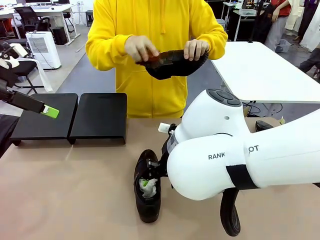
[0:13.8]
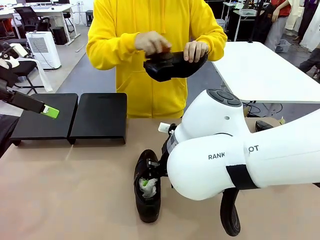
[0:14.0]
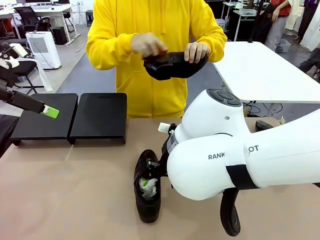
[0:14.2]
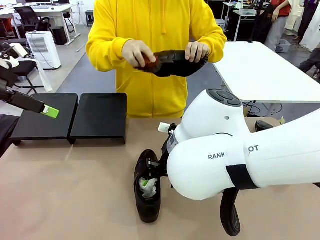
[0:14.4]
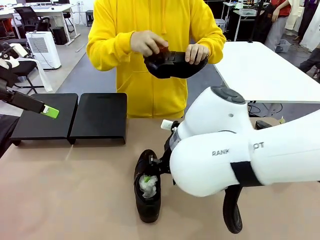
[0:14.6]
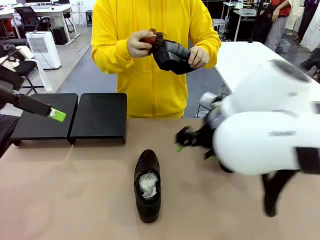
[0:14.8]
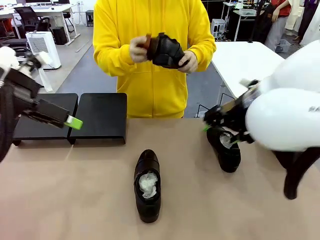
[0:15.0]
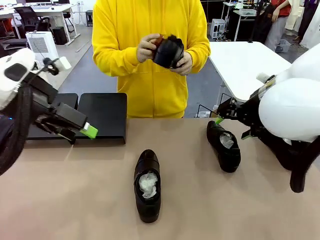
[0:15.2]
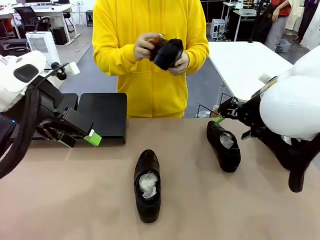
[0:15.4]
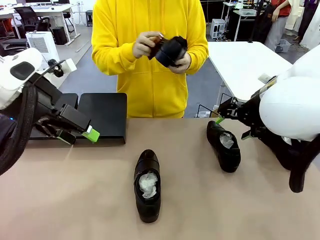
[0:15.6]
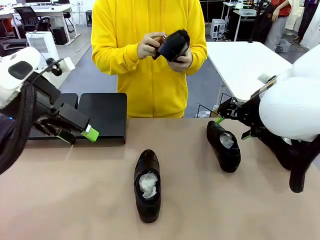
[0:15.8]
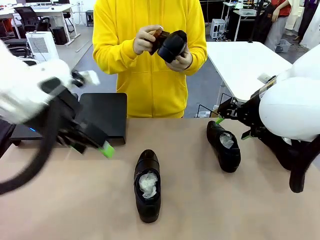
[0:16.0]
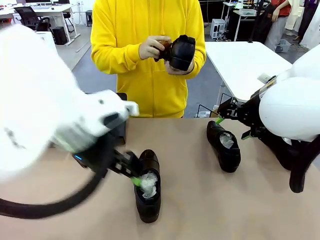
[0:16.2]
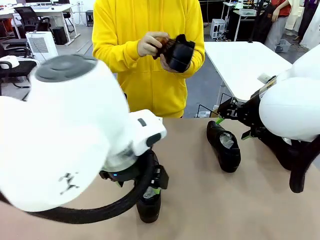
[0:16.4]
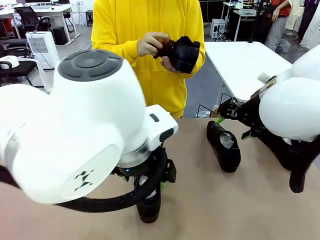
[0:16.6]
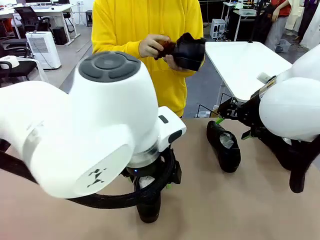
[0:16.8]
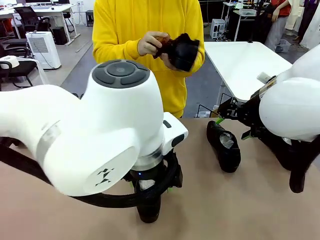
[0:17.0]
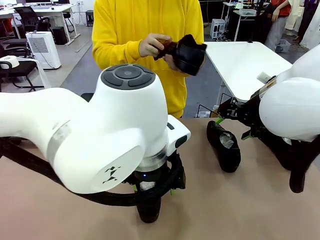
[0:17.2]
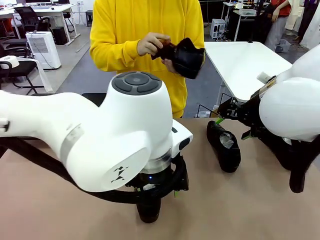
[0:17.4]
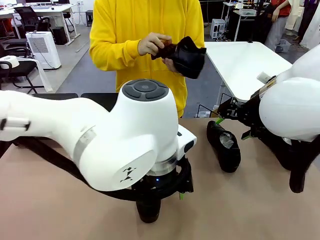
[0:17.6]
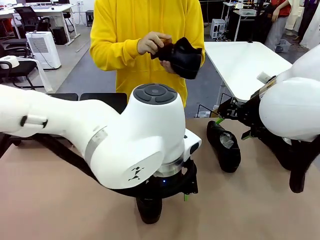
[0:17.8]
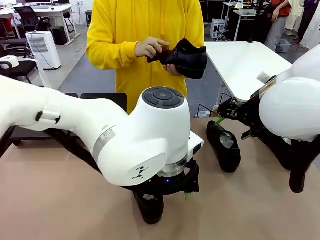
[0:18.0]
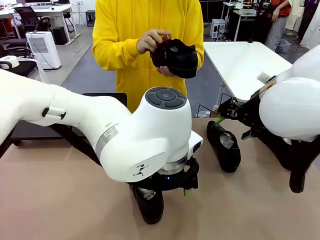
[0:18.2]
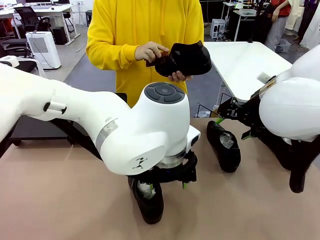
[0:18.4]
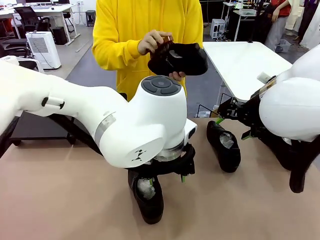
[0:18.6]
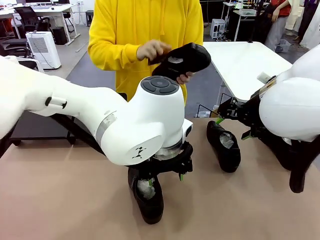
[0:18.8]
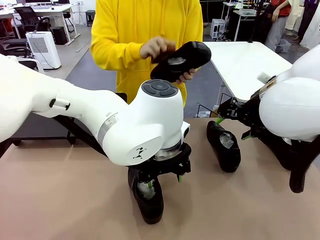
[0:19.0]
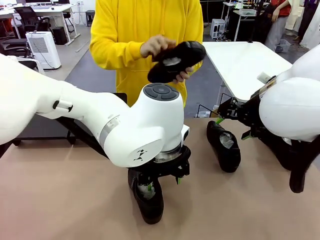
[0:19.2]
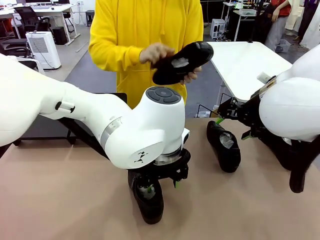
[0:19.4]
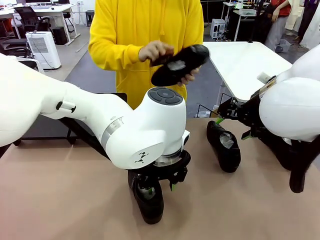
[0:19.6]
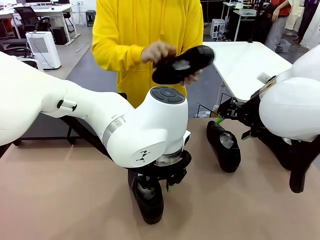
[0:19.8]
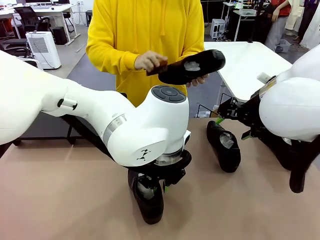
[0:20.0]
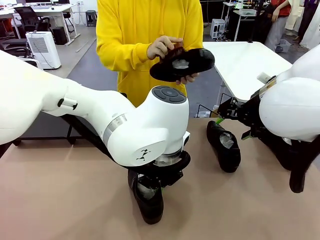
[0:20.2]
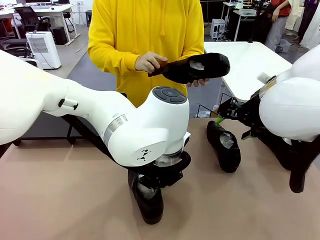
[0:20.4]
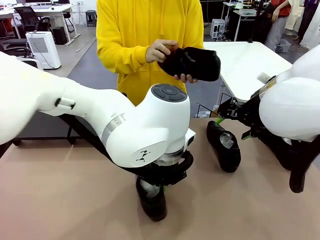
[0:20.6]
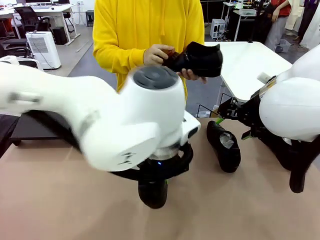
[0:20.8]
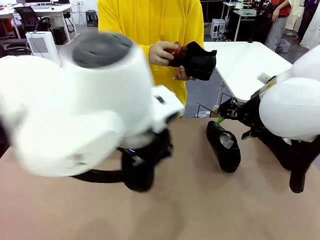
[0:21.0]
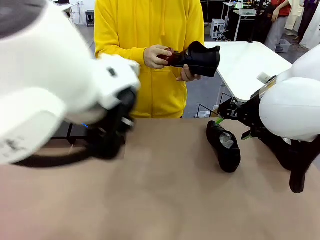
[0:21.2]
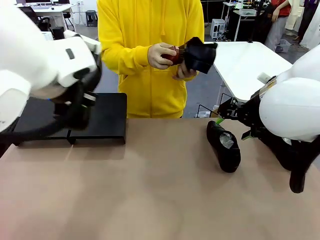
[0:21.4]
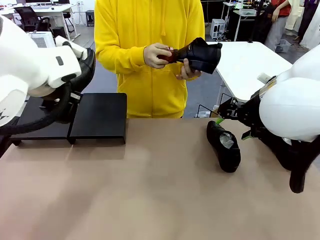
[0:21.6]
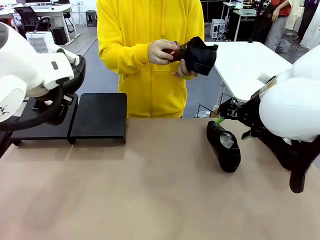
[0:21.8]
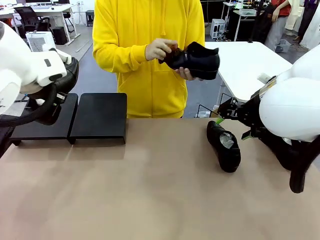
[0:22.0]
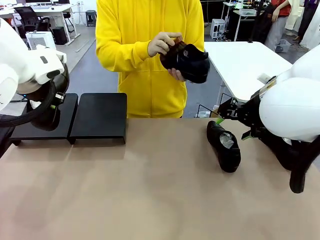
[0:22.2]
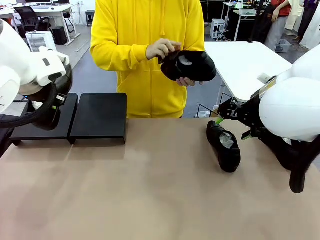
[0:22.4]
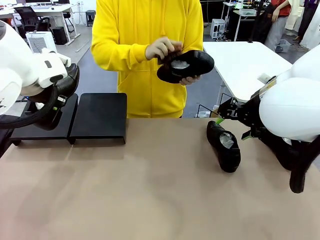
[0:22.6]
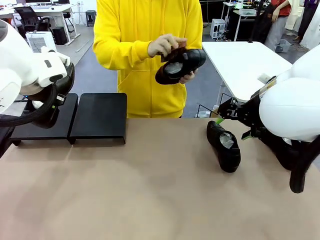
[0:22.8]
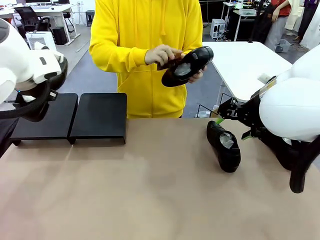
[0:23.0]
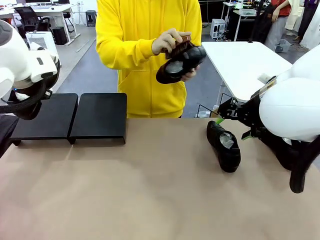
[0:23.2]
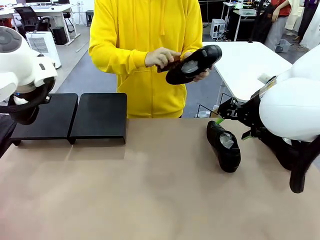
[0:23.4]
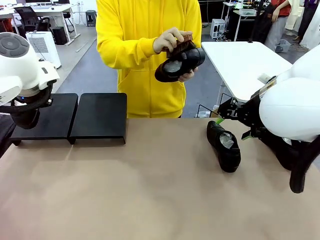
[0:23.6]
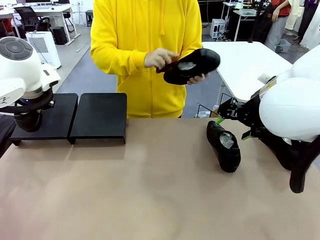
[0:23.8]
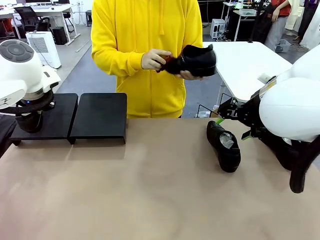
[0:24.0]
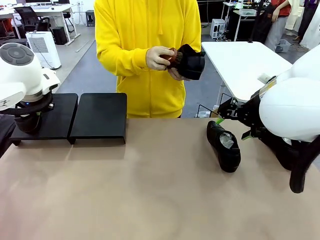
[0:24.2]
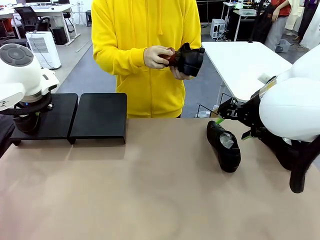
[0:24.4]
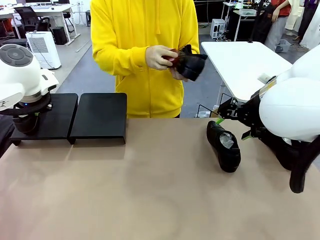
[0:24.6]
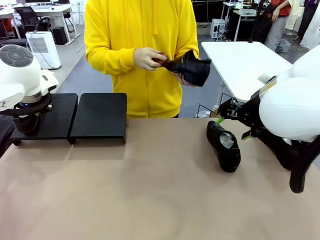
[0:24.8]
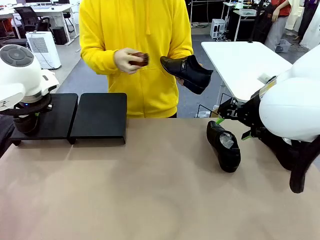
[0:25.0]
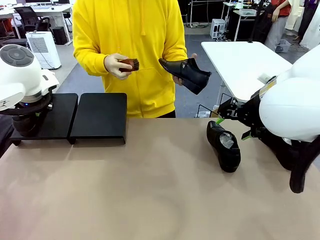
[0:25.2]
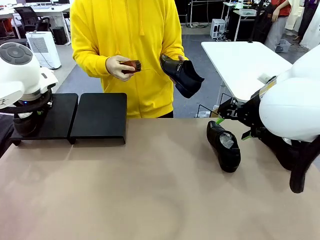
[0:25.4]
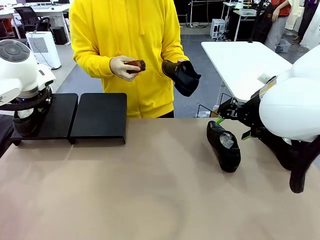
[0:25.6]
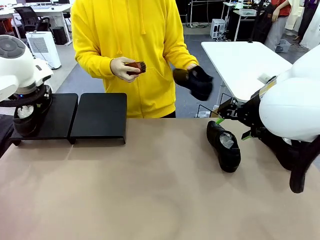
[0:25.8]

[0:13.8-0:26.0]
Task: Organize the shoes by placing them on the stand.
Robot: Place the Shoe from the middle of the table onto the Shoes Stand.
Person: Clean the Shoe with the Shoe Brush.

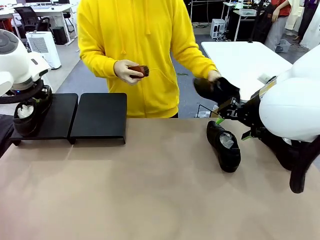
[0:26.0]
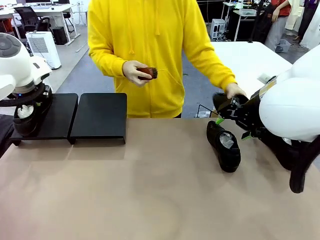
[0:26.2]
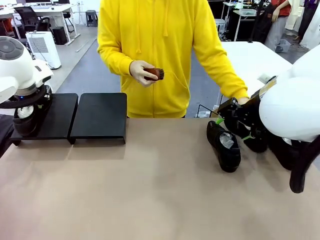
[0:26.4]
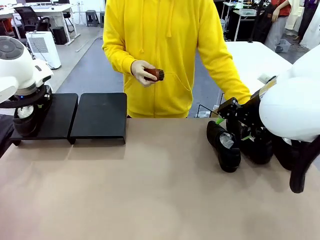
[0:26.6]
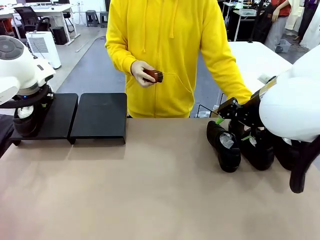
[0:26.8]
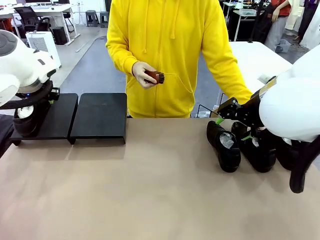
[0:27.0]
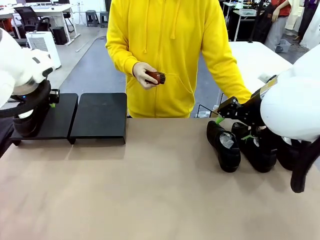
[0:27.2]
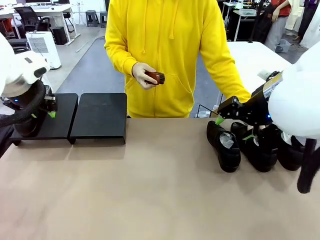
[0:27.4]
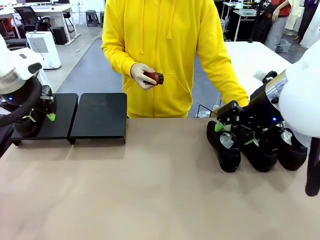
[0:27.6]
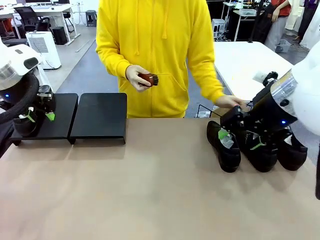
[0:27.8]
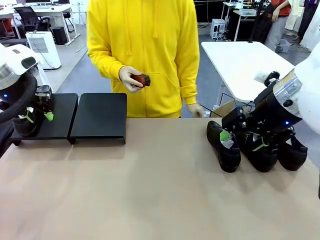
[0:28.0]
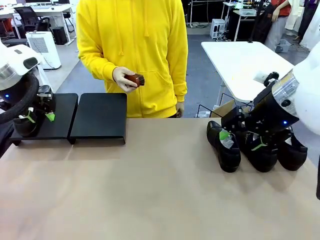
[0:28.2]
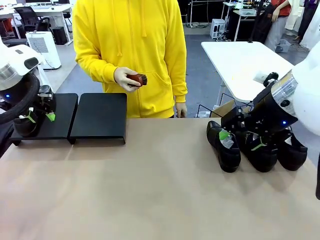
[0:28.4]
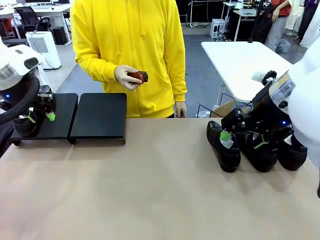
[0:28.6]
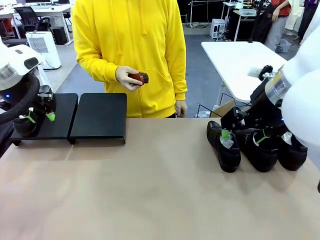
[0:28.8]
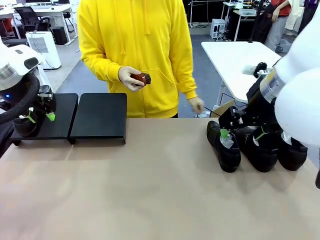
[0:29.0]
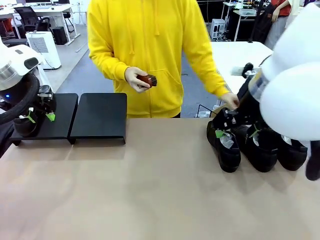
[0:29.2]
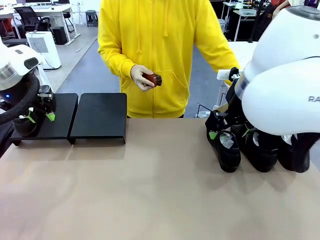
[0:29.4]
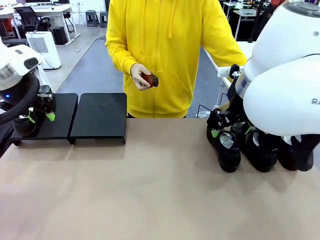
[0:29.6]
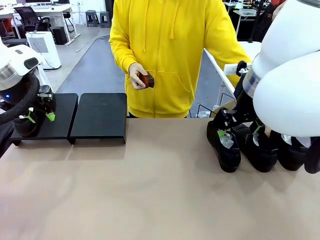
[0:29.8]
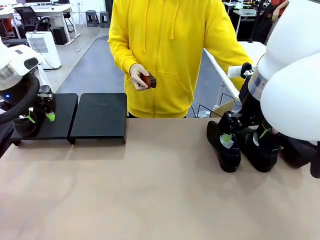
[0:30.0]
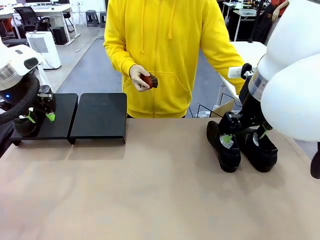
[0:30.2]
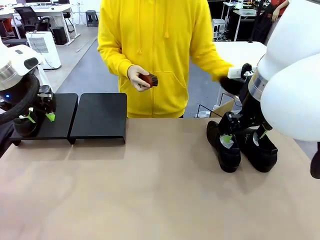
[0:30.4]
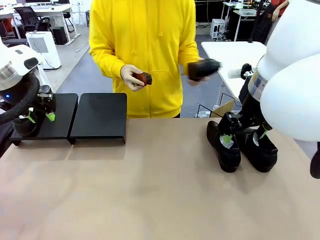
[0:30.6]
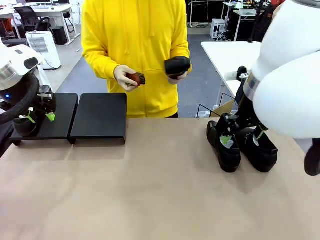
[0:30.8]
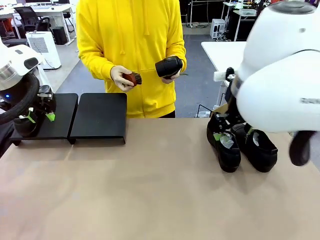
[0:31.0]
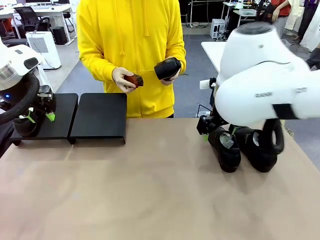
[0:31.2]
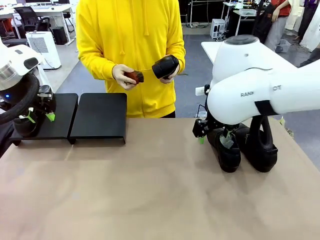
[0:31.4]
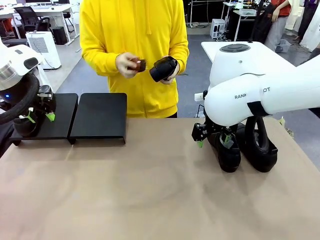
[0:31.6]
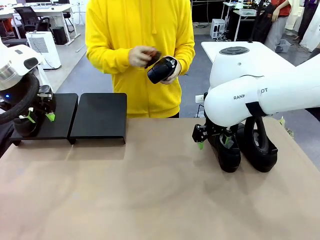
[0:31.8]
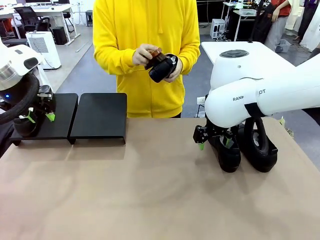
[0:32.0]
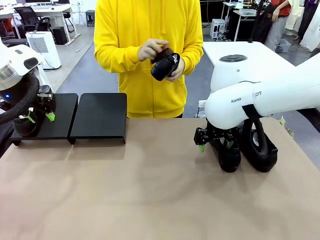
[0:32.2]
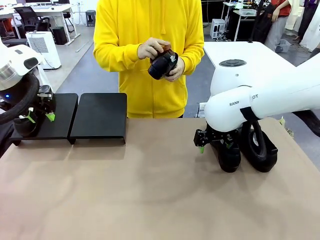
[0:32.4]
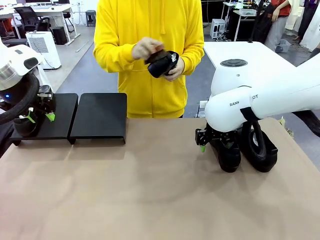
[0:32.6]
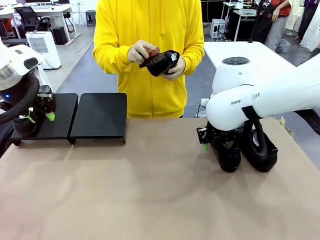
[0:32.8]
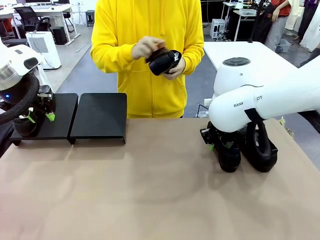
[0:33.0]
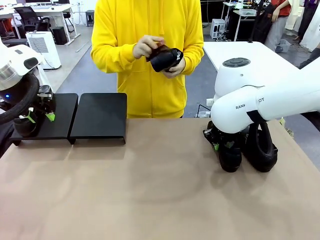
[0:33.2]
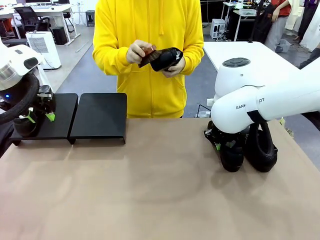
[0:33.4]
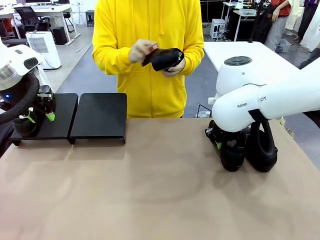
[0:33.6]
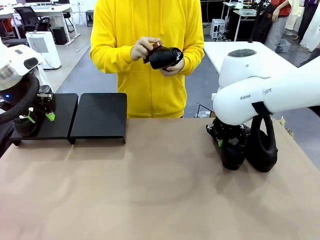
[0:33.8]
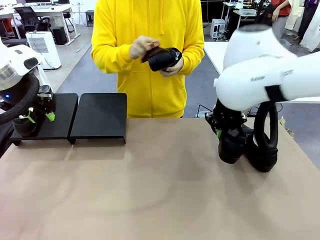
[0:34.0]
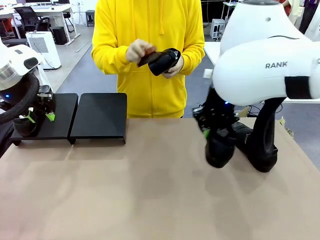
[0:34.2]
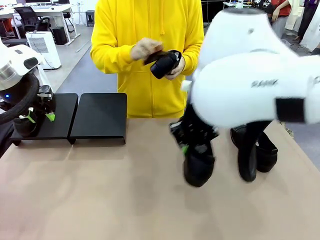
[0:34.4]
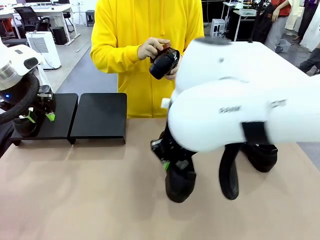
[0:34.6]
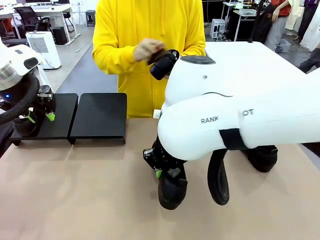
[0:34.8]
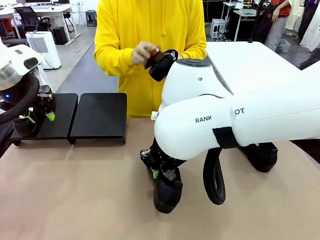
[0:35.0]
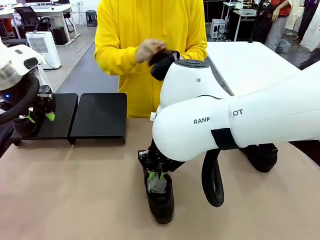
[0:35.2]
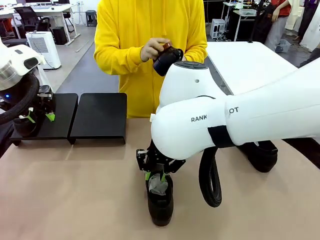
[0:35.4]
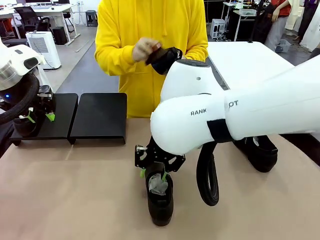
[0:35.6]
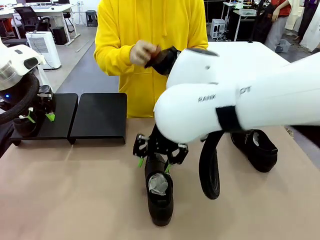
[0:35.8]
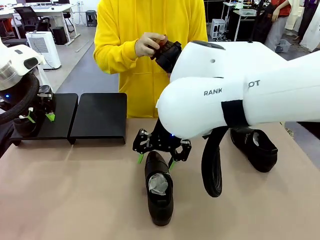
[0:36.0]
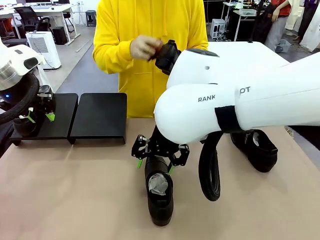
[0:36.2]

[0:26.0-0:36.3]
Robot: Pick up one Shoe and place it in the middle of the table.
Person: Place the Shoe on left side of the Robot's table. Pick one Shoe on Robot's table.
